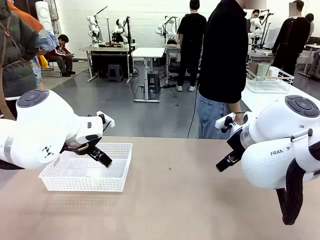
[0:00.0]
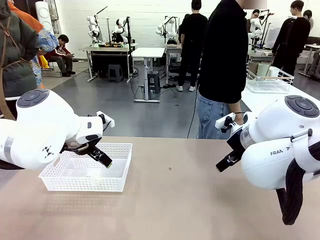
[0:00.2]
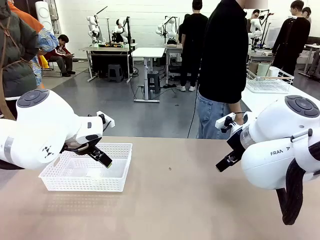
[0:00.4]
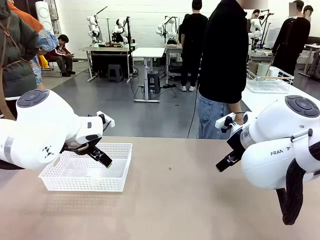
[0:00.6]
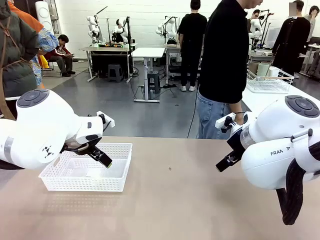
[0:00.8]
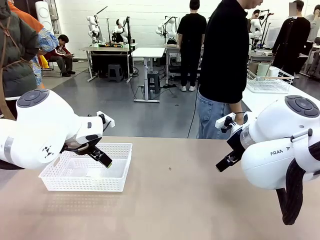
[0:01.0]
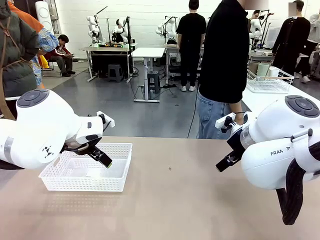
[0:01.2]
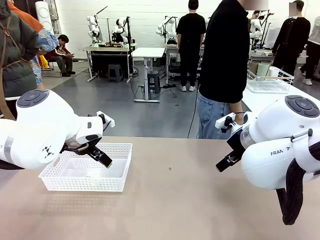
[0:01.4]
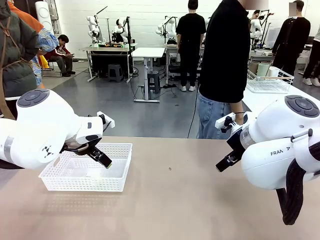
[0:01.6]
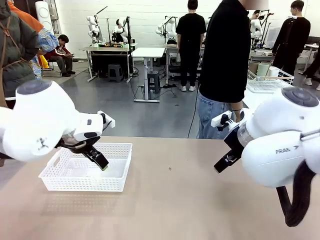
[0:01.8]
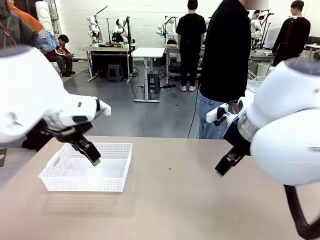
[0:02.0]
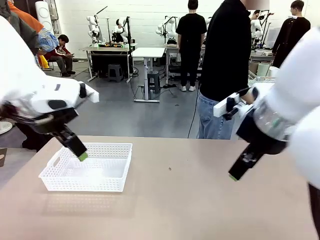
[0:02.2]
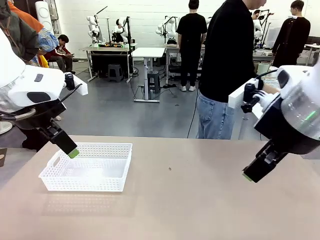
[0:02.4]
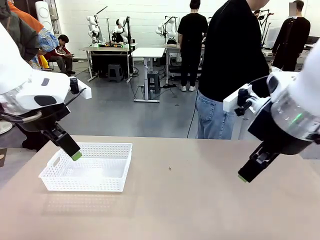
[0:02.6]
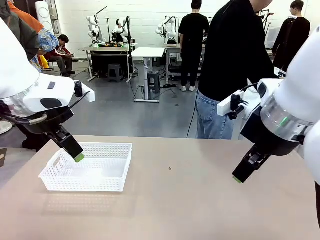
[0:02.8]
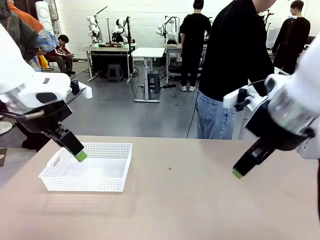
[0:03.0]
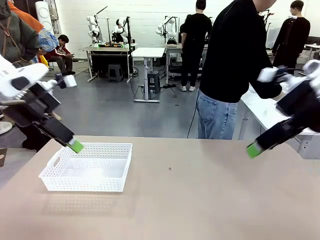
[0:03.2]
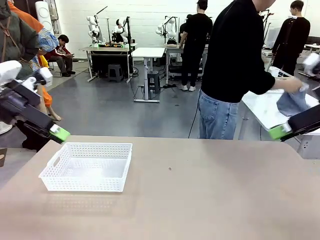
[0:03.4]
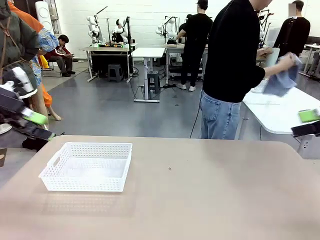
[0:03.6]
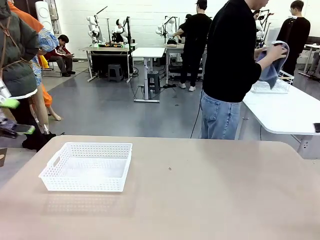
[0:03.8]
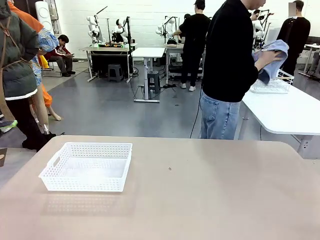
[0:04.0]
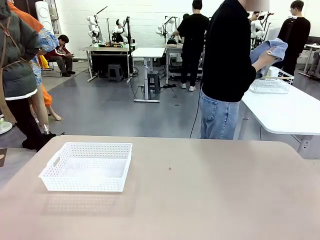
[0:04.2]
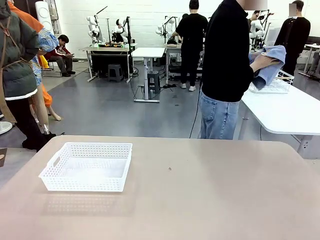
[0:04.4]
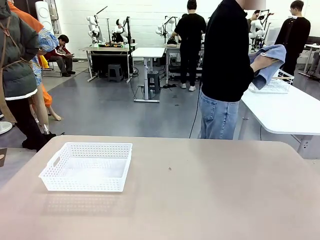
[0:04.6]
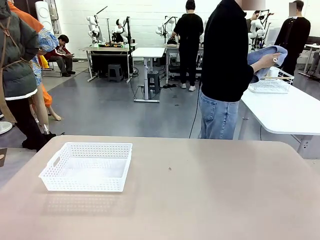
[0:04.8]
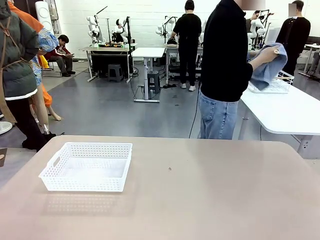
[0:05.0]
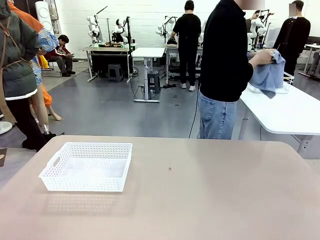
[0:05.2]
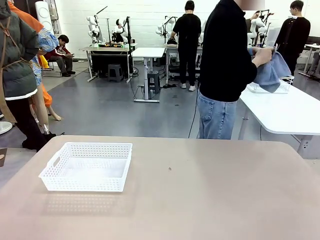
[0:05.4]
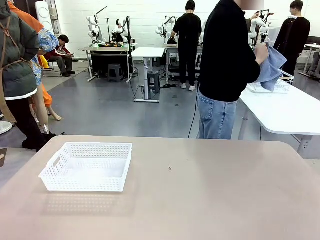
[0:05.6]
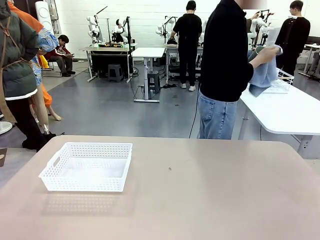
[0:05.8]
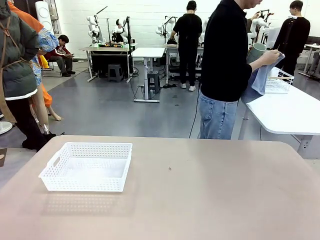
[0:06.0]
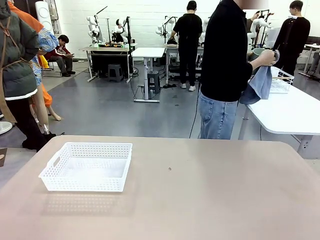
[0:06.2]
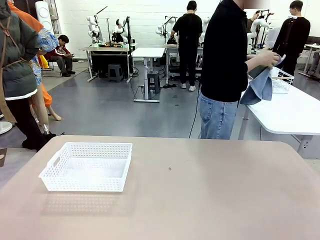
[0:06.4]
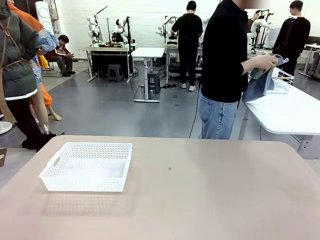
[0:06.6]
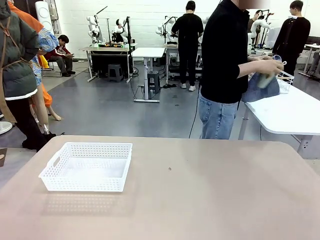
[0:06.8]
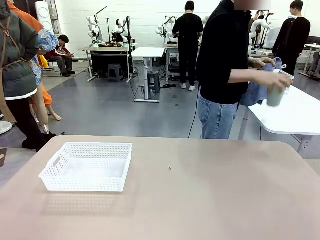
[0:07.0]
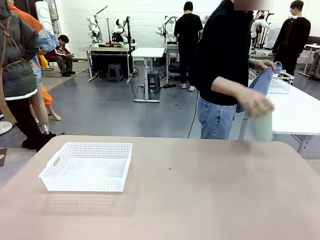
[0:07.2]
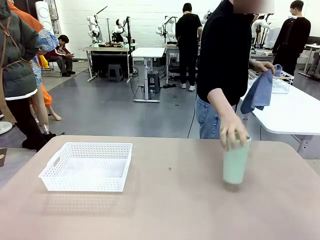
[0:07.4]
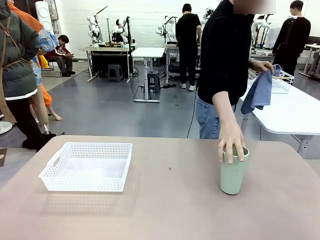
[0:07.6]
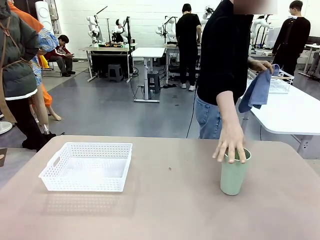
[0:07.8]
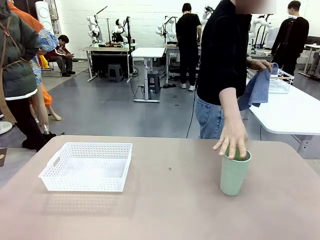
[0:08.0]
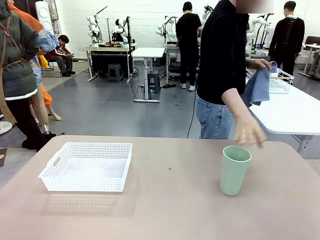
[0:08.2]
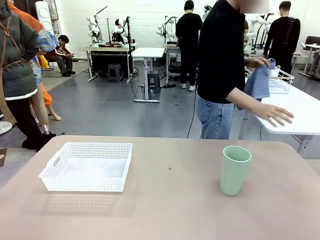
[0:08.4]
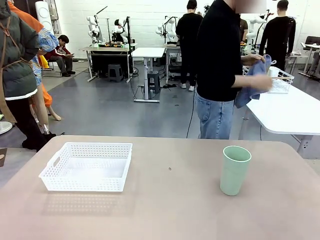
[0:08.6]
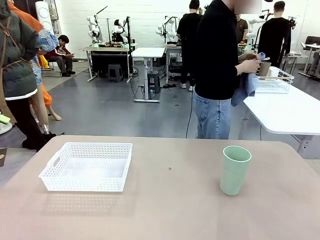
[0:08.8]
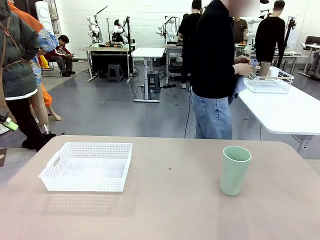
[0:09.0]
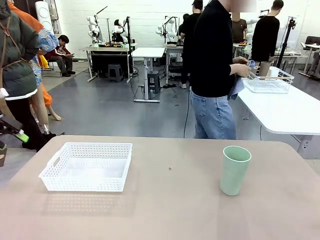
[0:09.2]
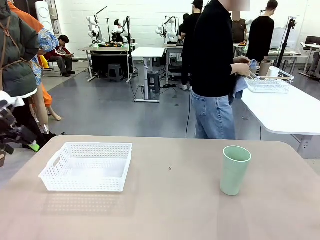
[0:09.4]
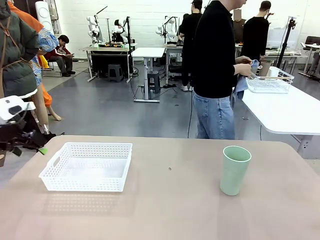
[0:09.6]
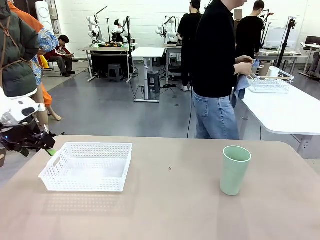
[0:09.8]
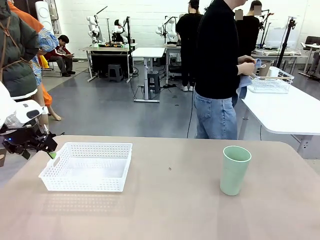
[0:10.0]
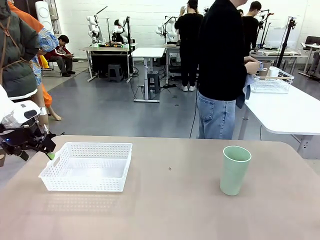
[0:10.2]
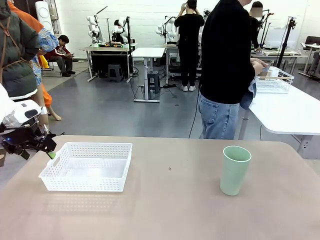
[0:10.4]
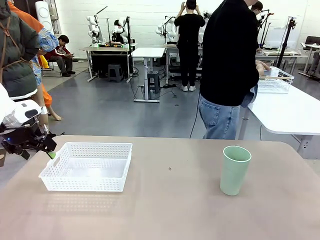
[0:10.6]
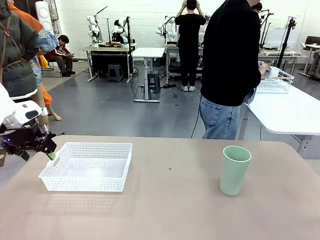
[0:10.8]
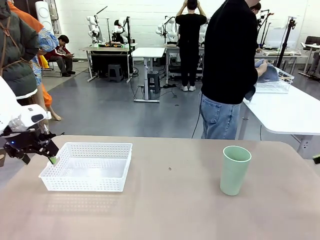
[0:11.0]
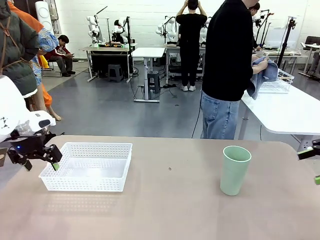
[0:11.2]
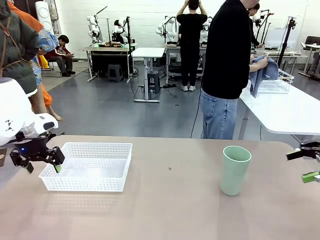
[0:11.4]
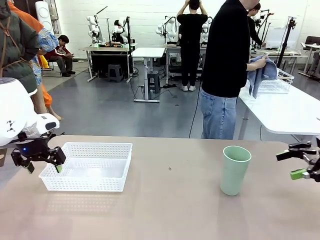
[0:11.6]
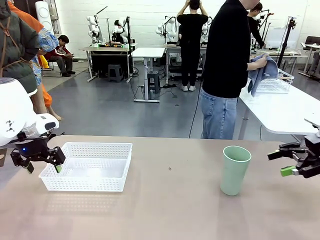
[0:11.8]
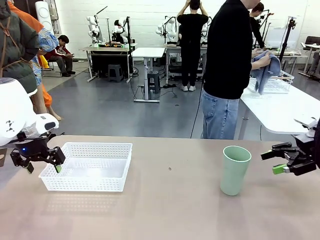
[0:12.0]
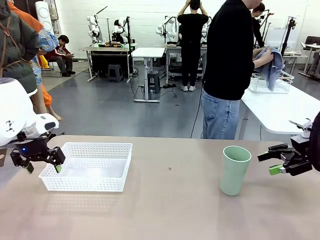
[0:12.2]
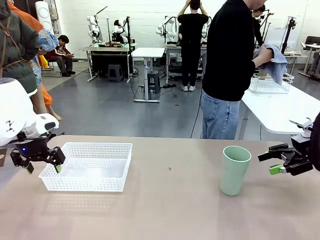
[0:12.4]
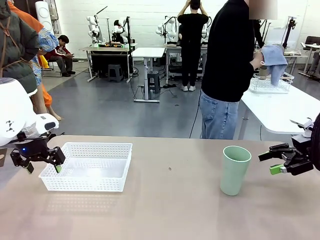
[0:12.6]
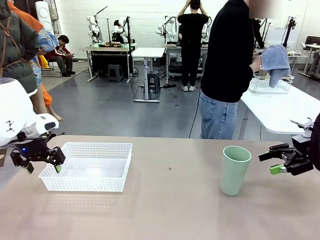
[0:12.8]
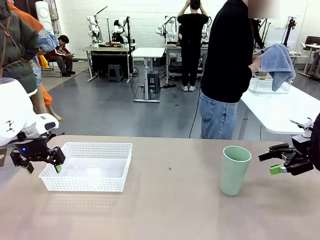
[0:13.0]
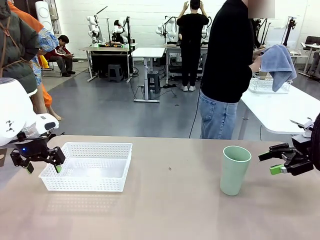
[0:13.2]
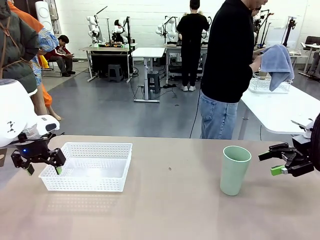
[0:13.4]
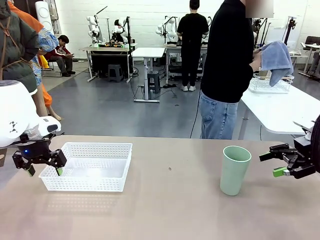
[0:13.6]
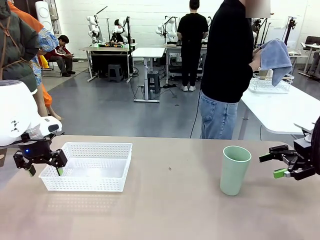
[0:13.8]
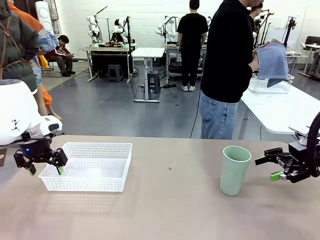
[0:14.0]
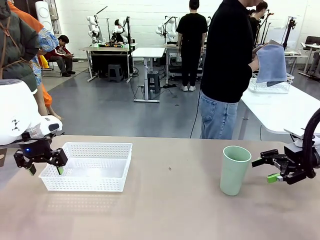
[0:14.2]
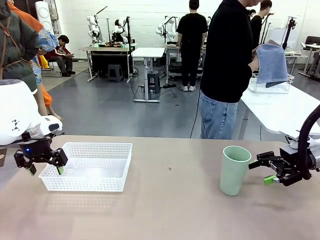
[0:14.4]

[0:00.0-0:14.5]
Task: Clean and organize the cups into the basket.
Robot: Pick up the Organizing basket and move it to the center of the table, then pick up the Reusable plastic cup from the right side of the table and place it inside the Organizing basket.
Person: Picks up a cup and a towel, cleans the cup with the towel, and places it on the left side of the robot table.
